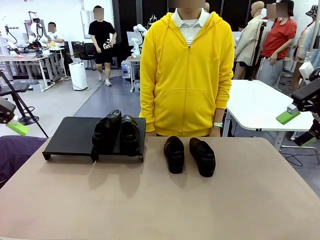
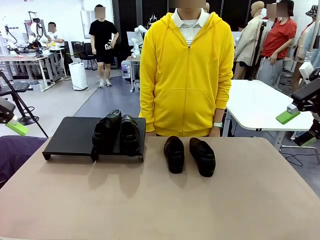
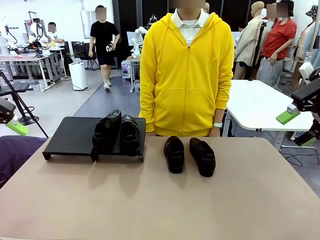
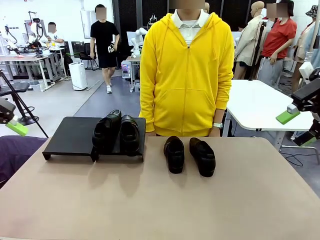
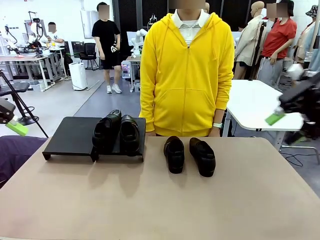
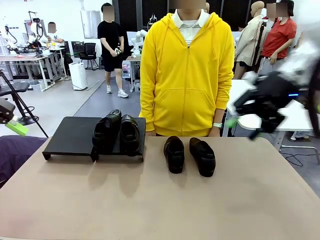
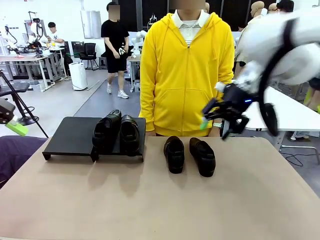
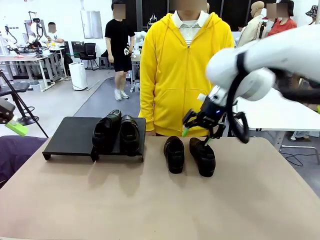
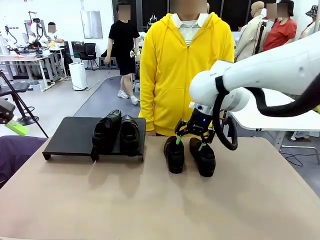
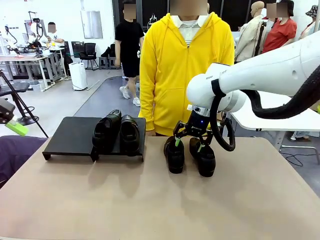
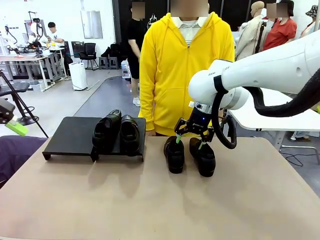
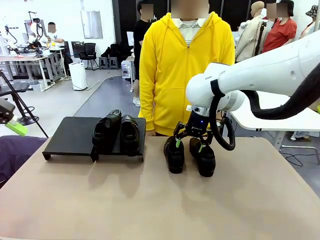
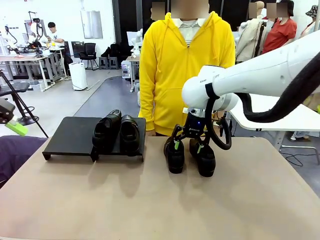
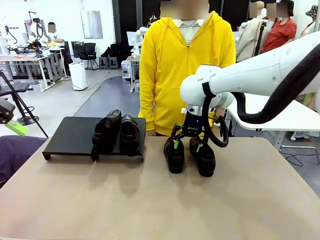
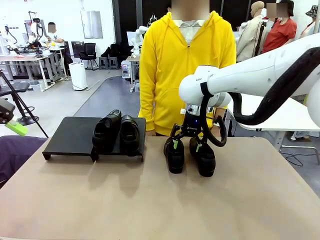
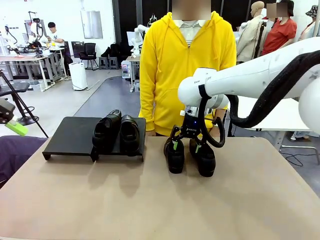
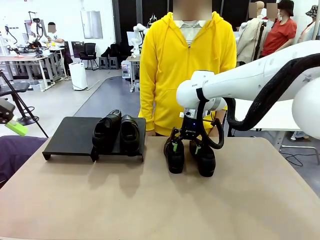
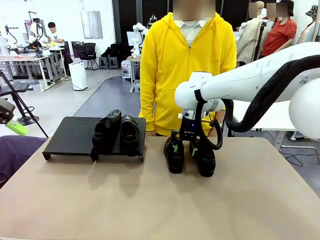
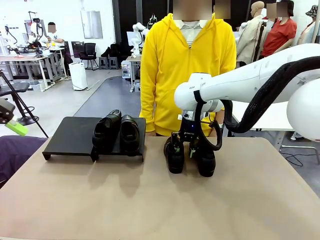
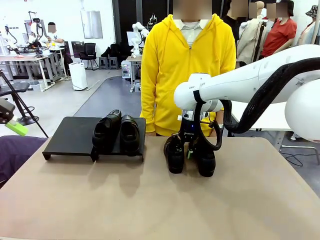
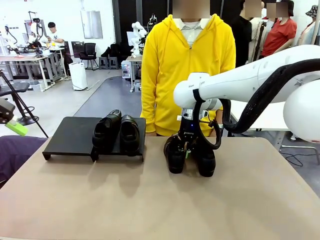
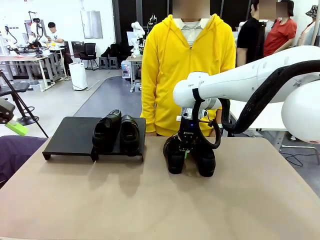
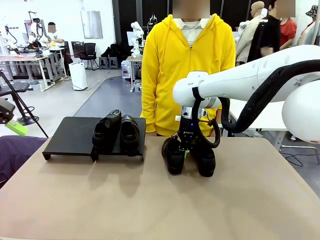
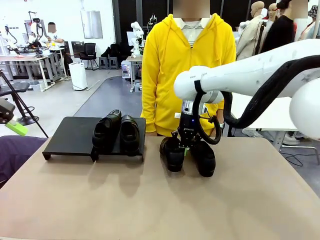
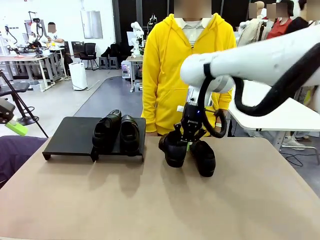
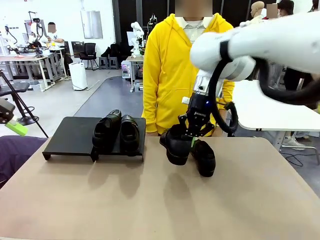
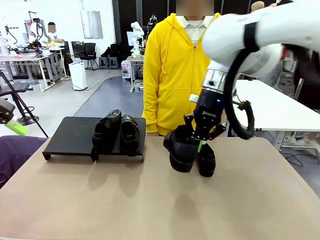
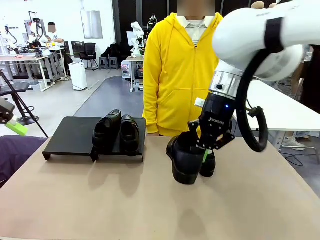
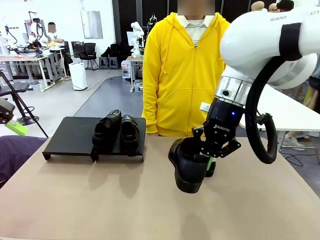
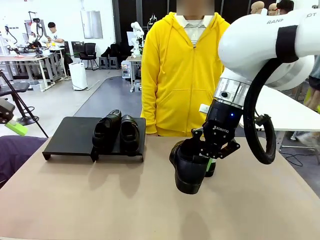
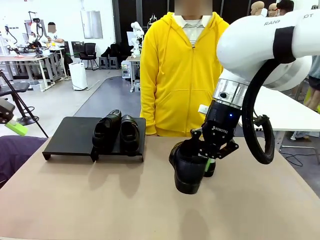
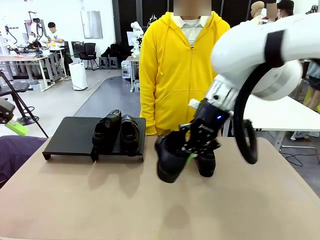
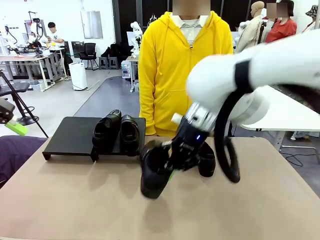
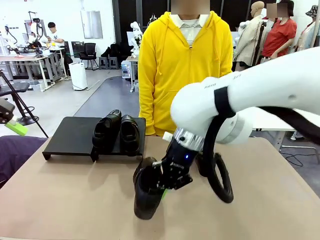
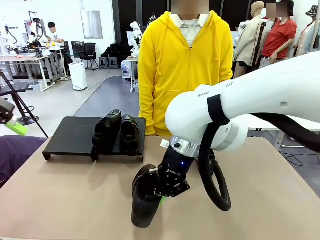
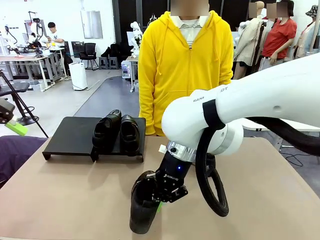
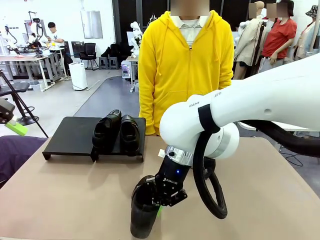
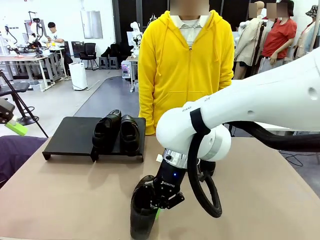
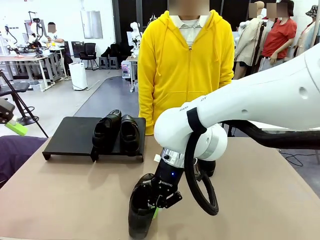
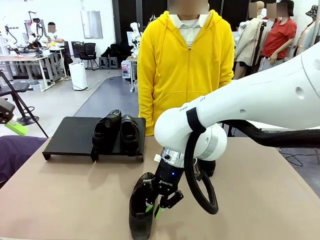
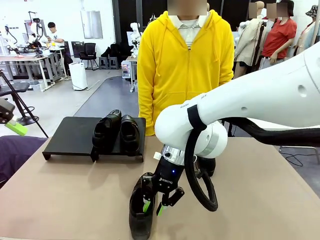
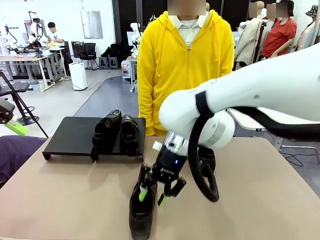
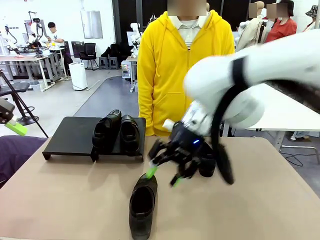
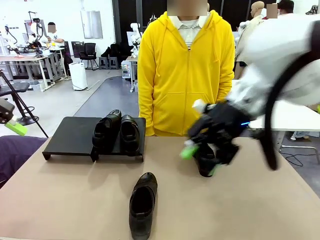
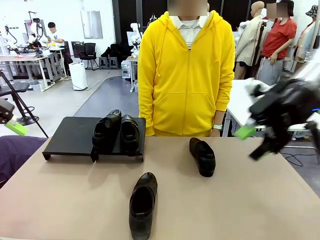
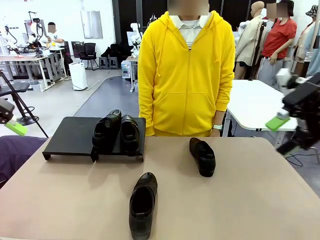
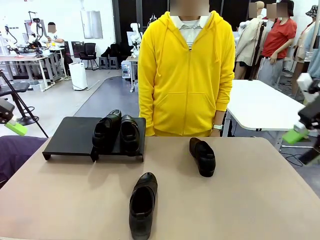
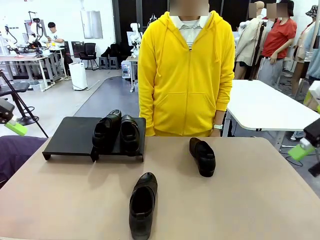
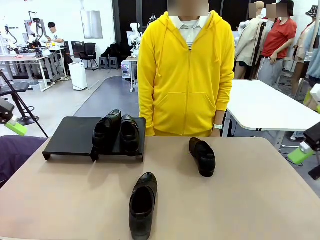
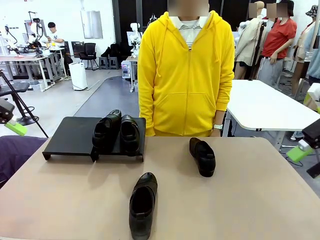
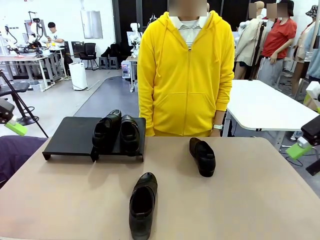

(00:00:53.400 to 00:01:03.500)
Task: Organize the shoes by placing them on the stand.
Robot: Pick up one Shoe and place it in the middle of the table.

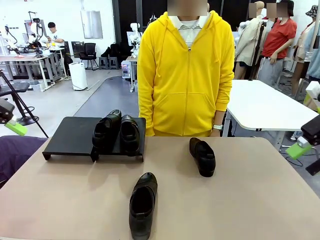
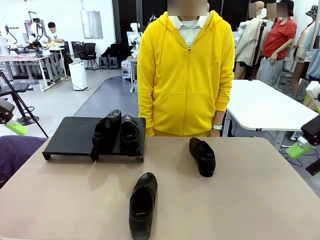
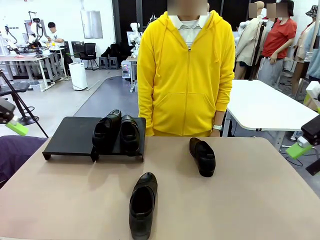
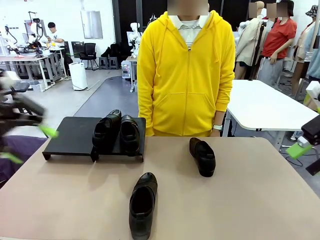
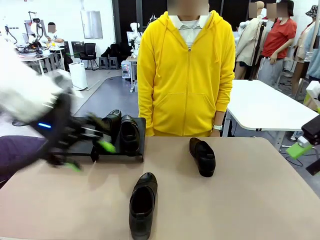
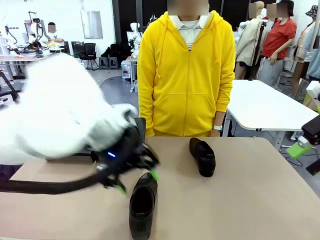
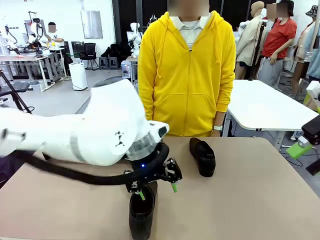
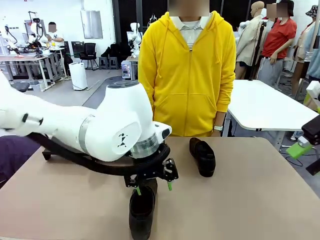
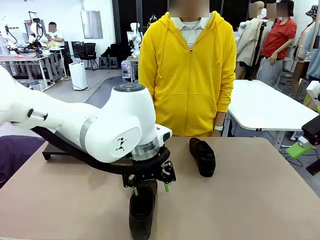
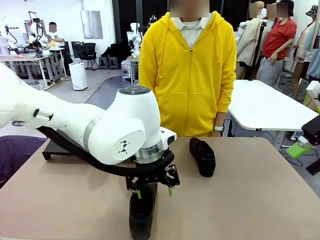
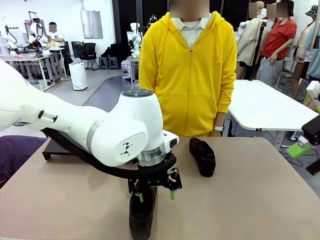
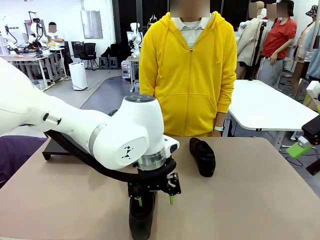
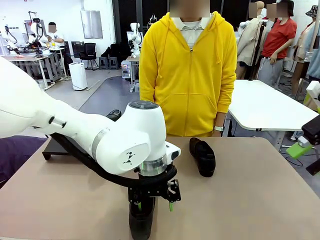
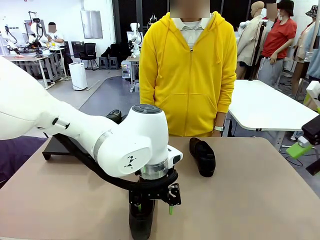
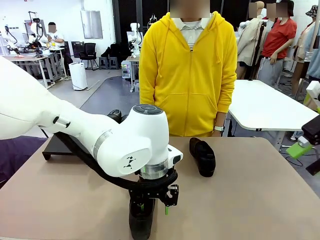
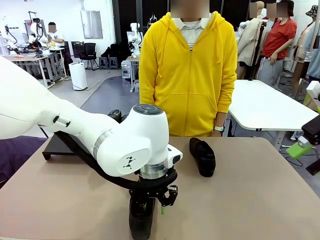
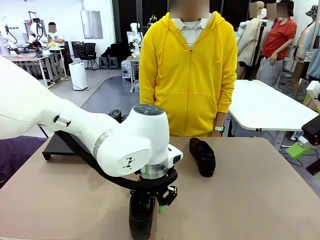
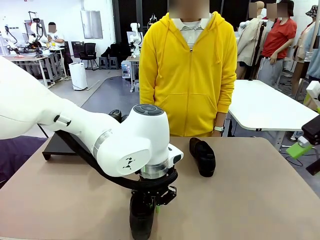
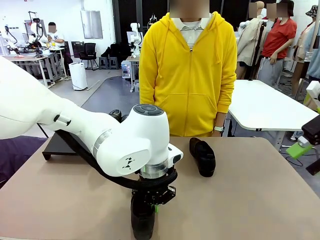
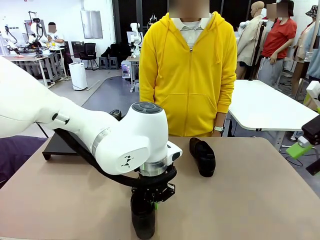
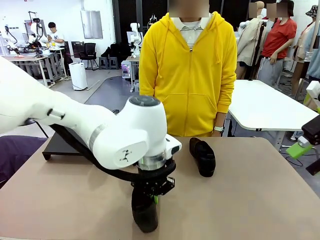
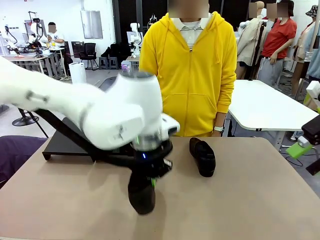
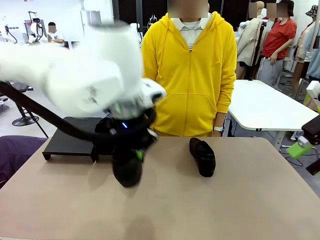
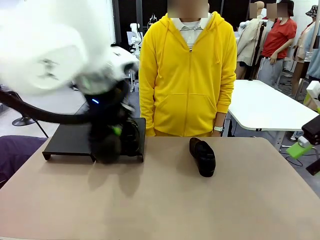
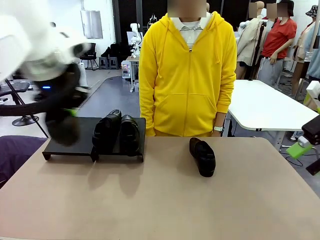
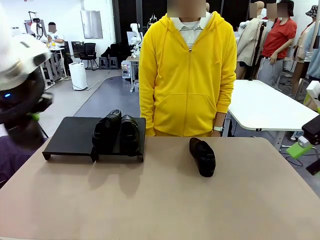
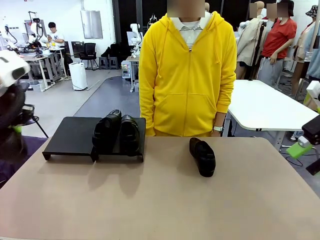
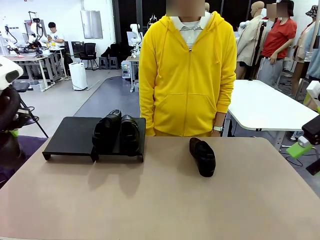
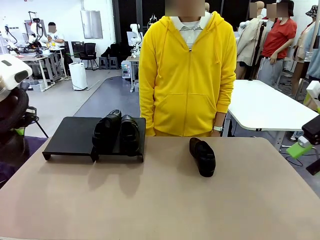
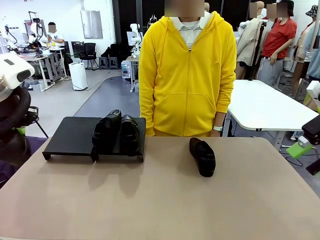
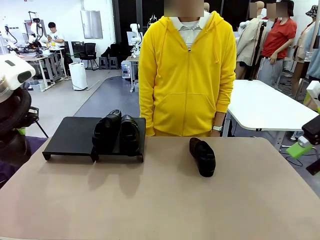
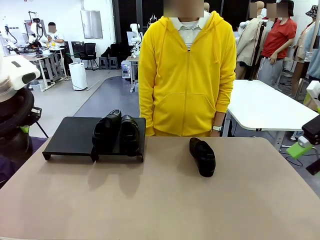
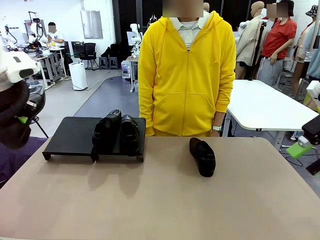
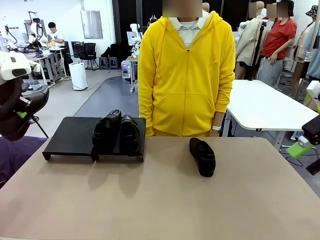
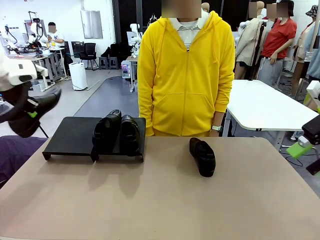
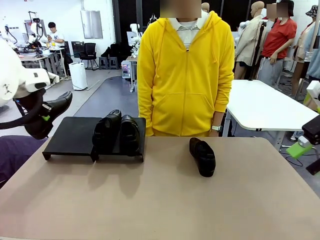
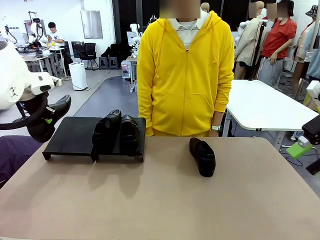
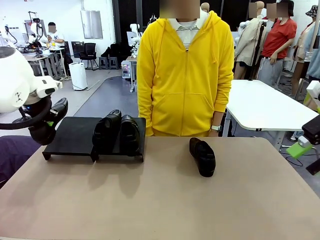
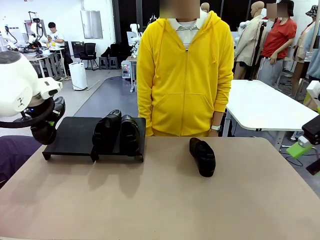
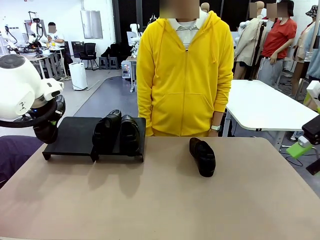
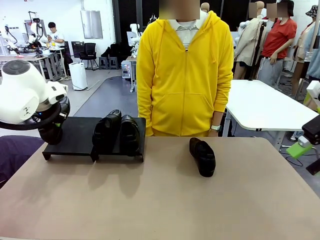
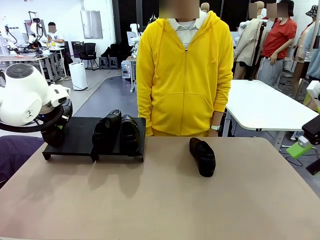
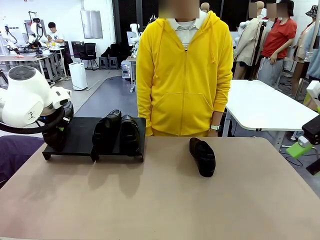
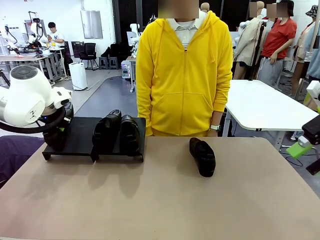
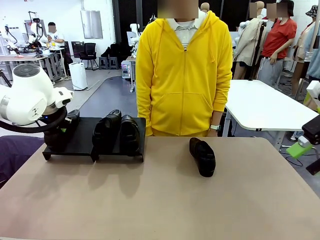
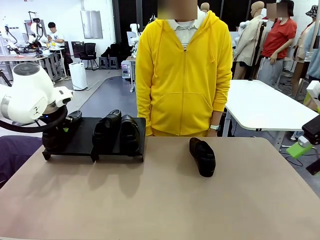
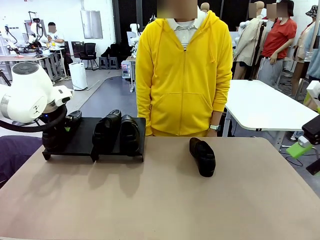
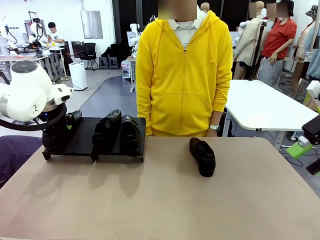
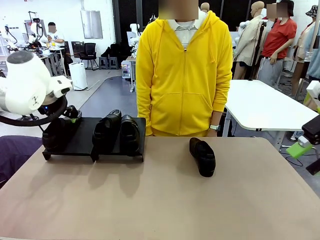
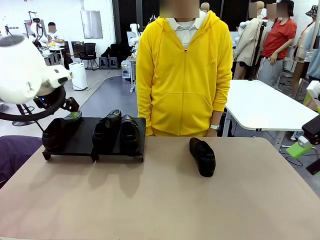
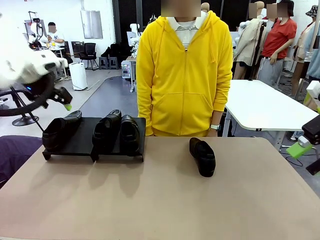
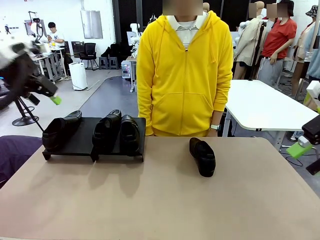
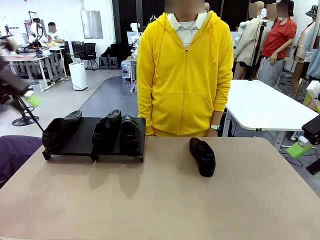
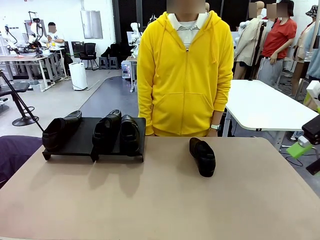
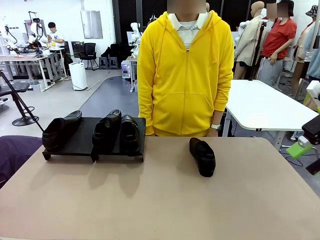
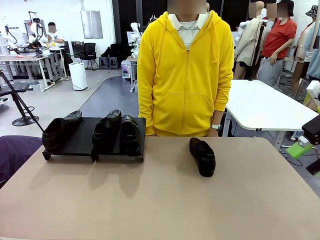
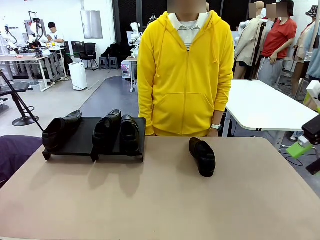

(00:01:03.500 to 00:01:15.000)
Robot: Place the Shoe from the middle of the table onto the Shoes Stand.
